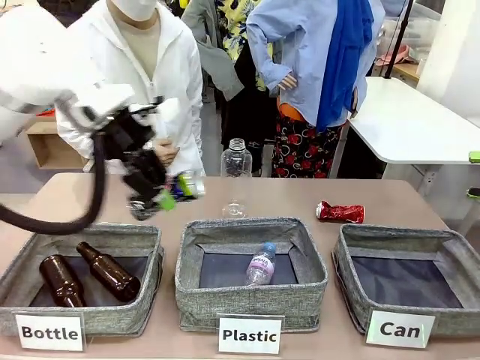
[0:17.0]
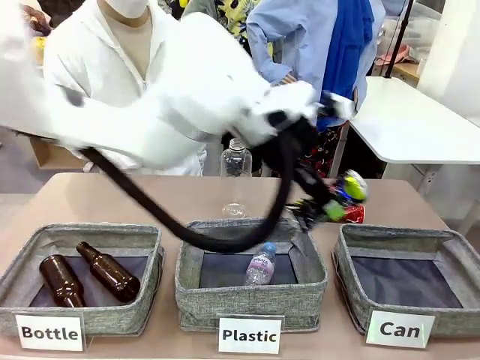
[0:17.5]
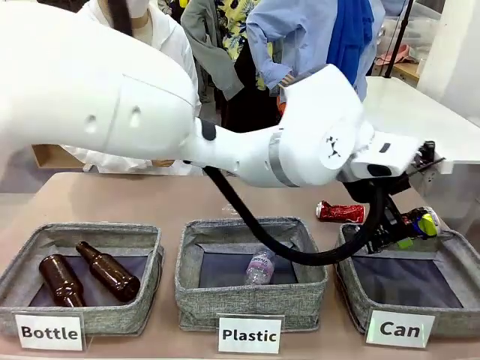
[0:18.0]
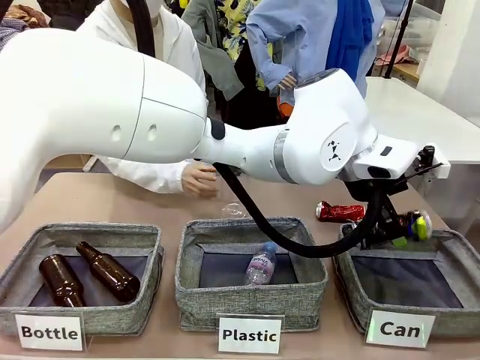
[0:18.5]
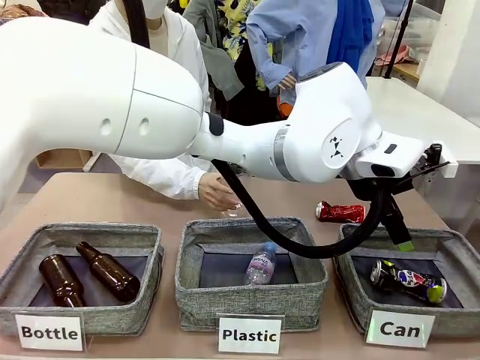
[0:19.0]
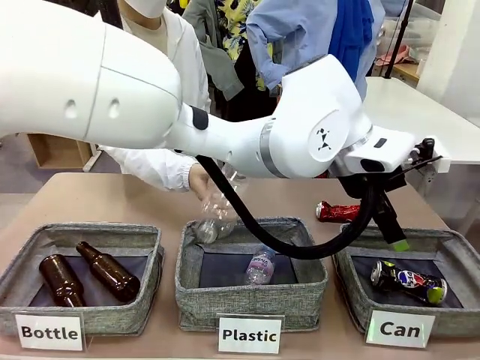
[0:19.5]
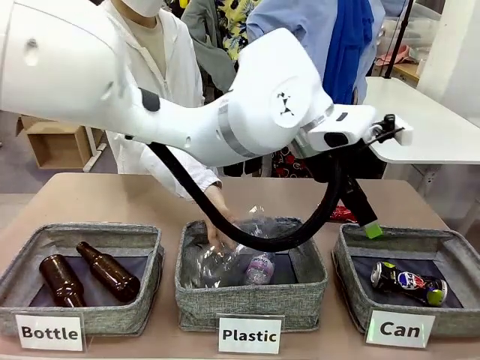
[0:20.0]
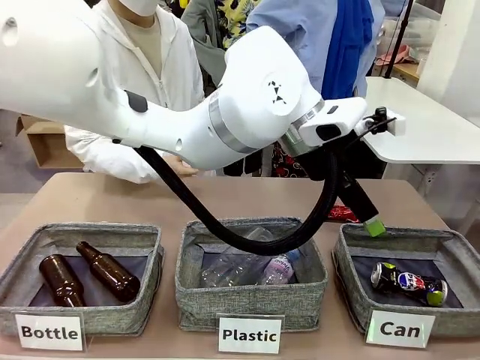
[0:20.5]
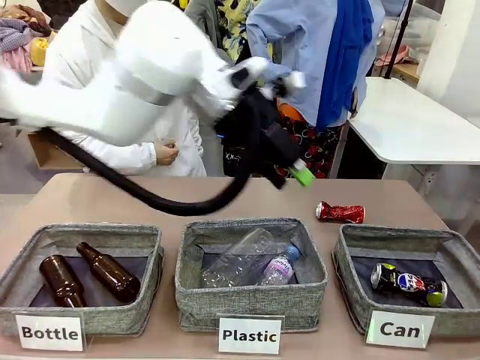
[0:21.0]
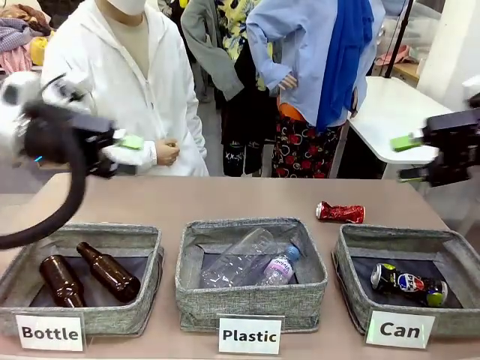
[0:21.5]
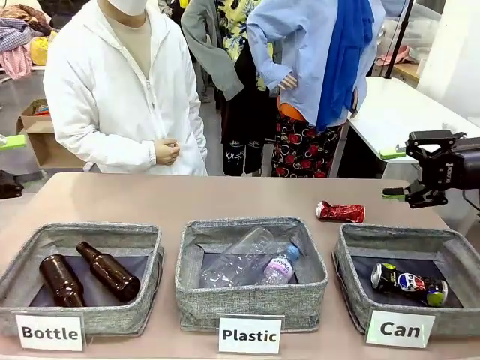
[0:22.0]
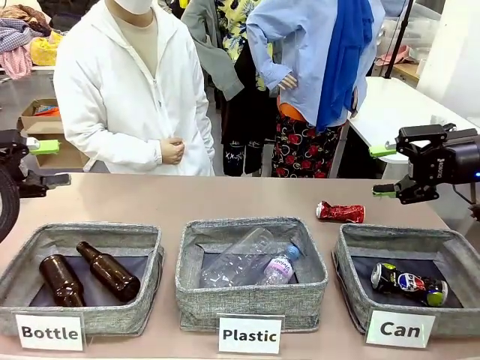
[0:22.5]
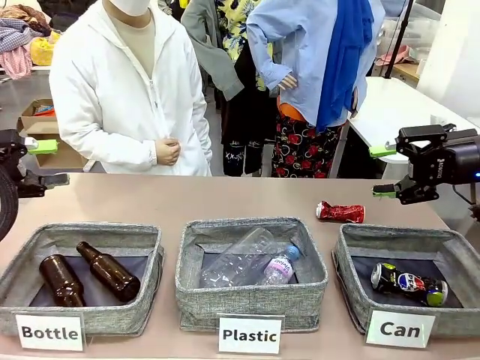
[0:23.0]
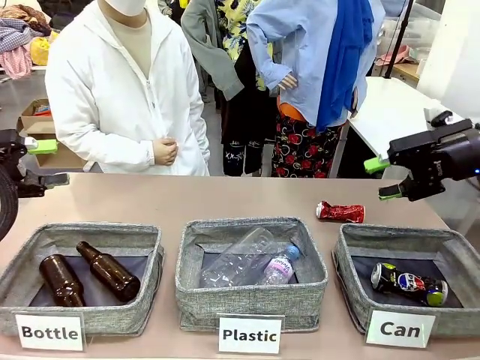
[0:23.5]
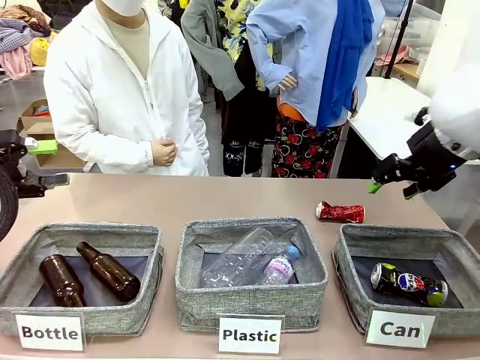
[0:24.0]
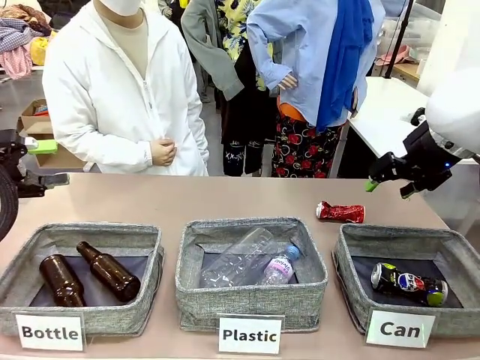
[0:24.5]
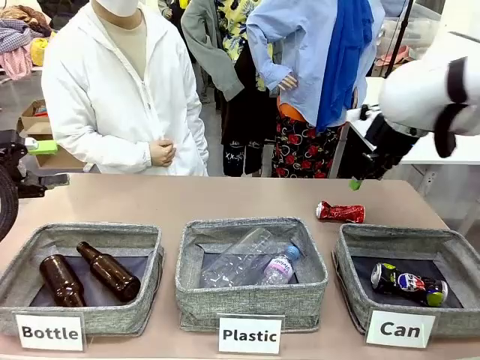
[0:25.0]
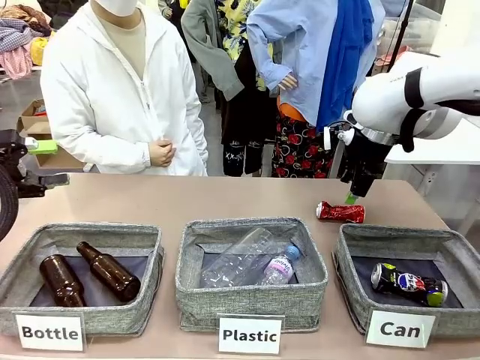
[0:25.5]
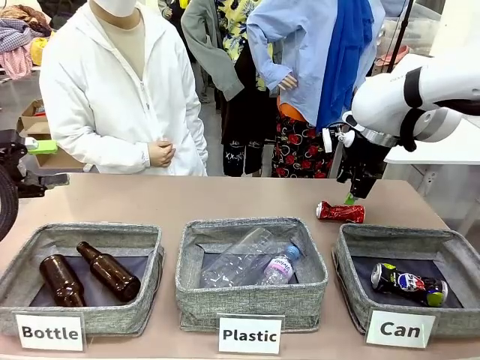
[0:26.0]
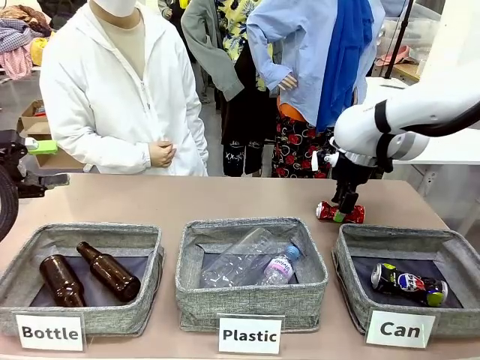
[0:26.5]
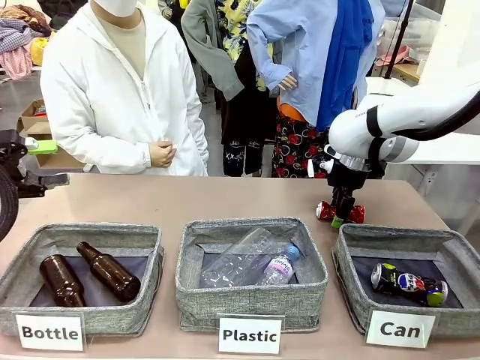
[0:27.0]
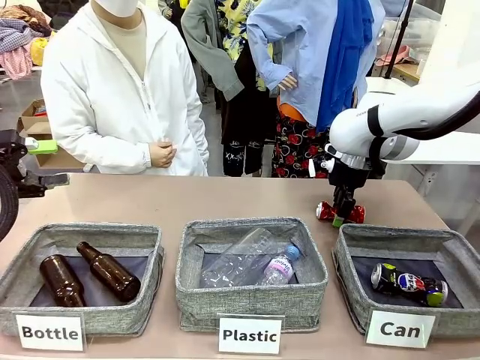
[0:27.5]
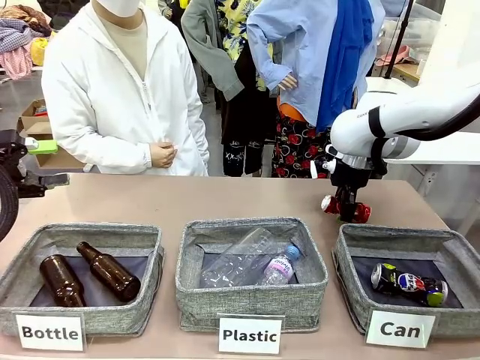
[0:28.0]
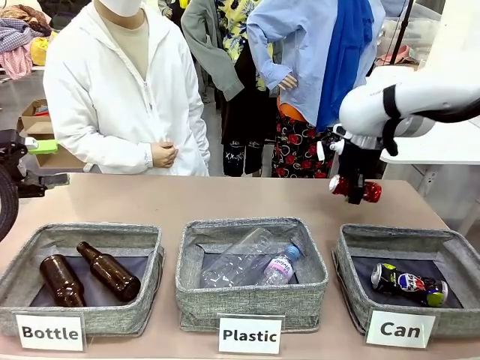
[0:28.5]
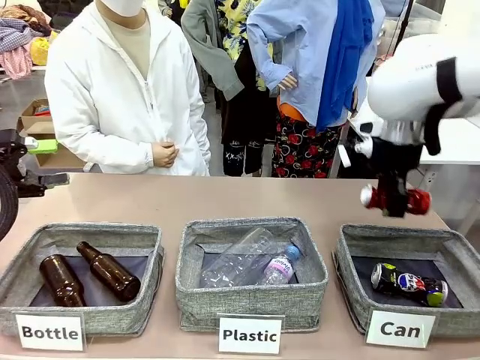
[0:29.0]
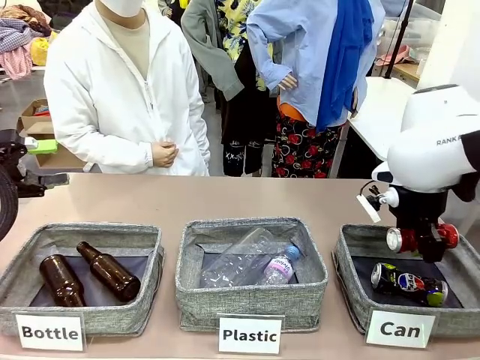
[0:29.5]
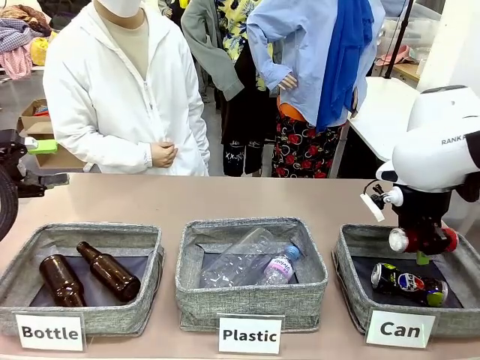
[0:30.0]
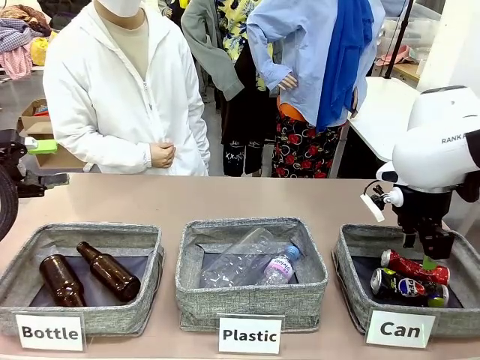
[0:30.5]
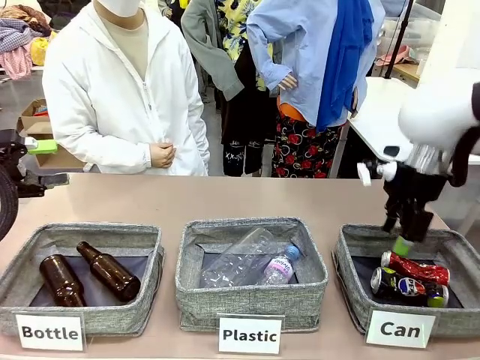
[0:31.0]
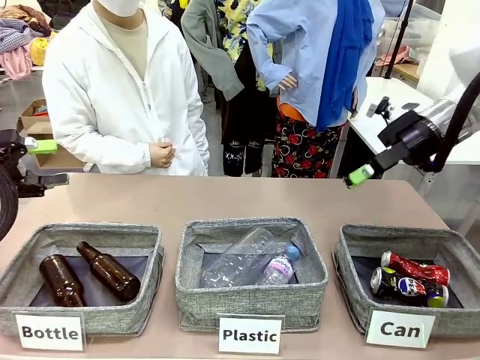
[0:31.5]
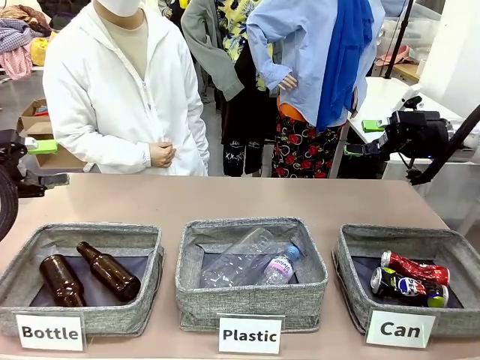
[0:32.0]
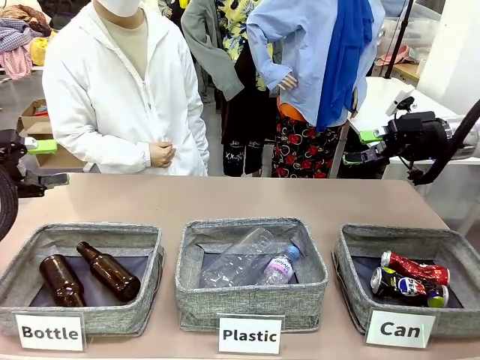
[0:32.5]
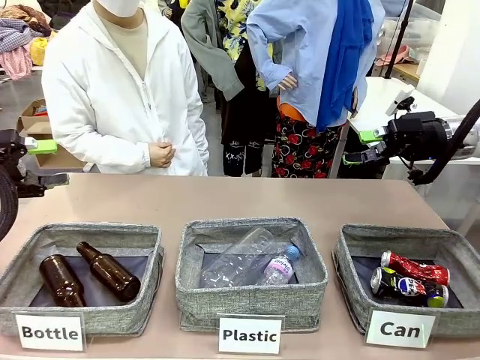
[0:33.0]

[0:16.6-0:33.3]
Task: Sort the can waste into the basket.
Robot: Pick up the can waste from the table and place it in the right Fabric basket.
Person: The human picks up one piece of trash that is not a can and places the trash into the appropriate organizing basket.

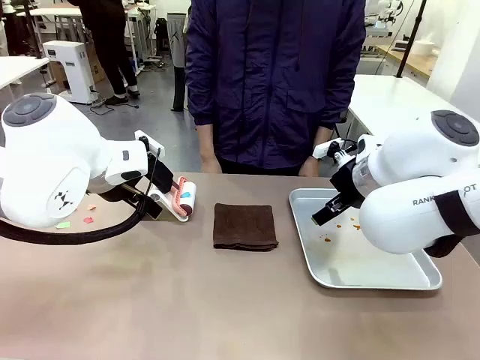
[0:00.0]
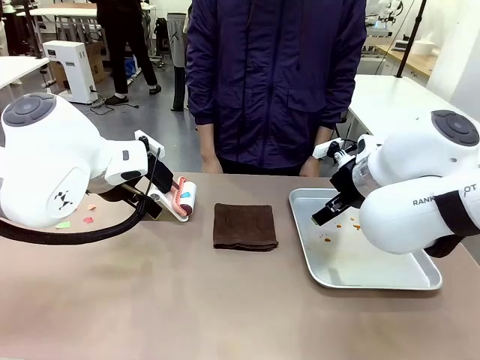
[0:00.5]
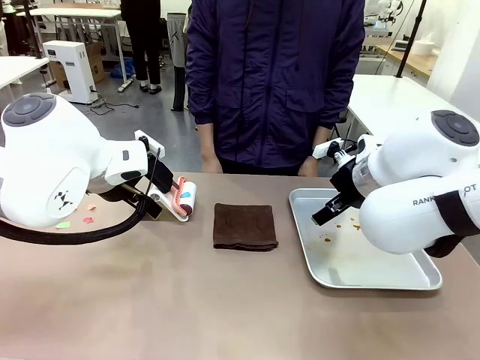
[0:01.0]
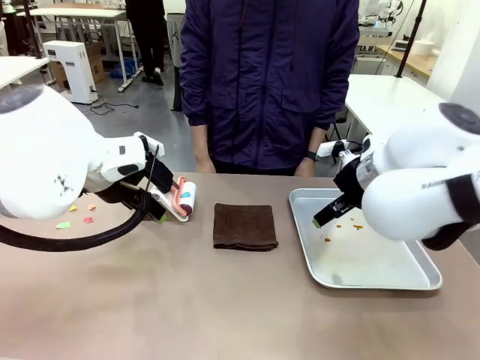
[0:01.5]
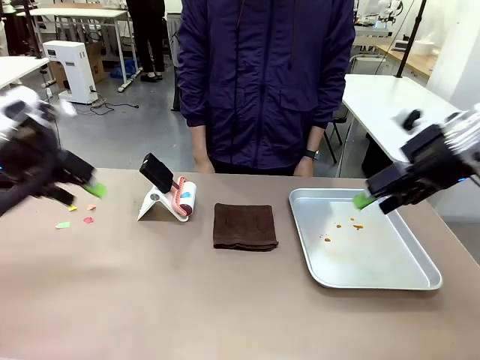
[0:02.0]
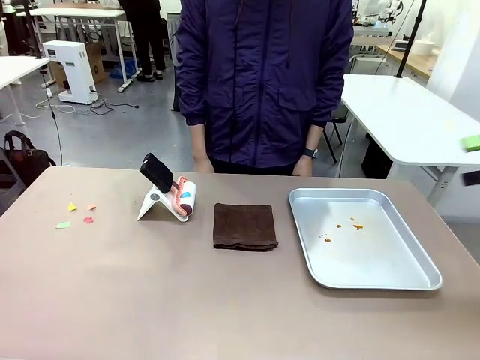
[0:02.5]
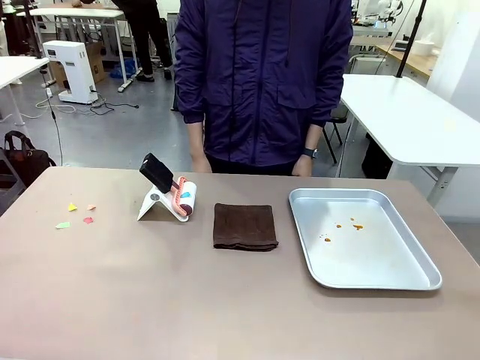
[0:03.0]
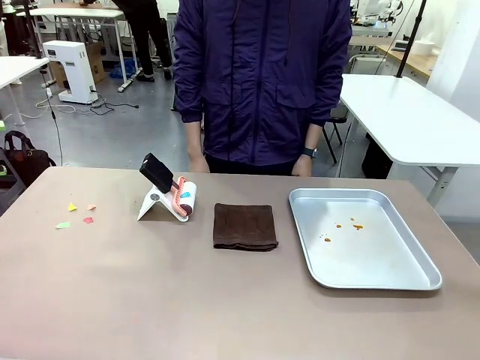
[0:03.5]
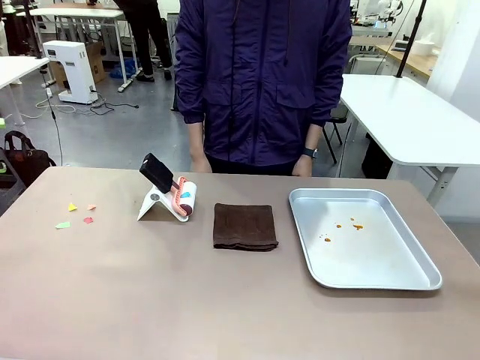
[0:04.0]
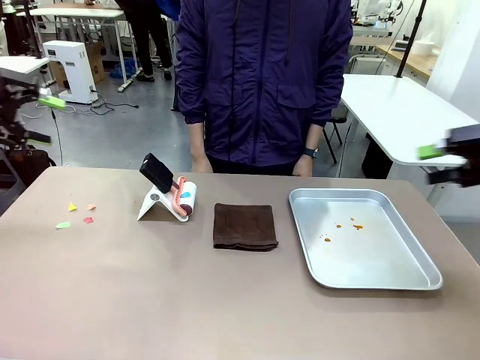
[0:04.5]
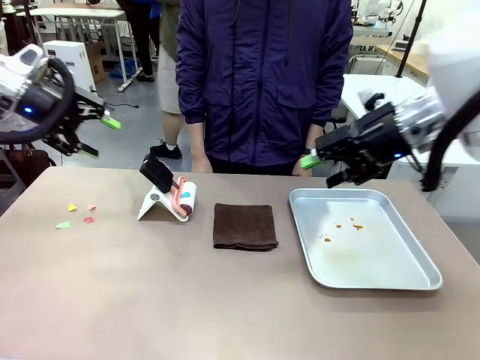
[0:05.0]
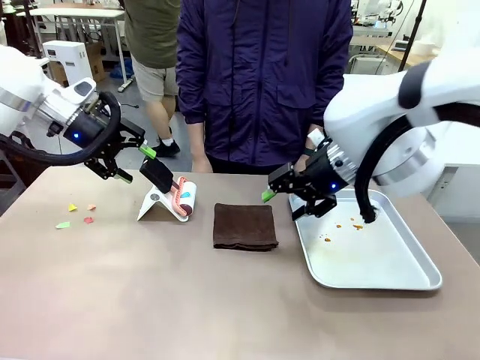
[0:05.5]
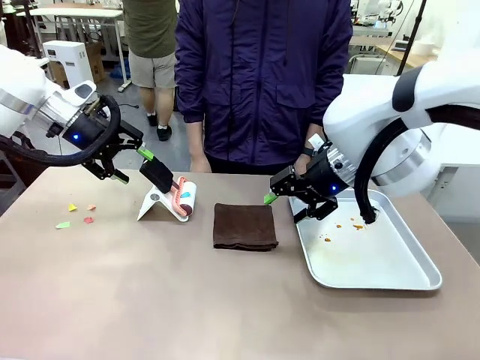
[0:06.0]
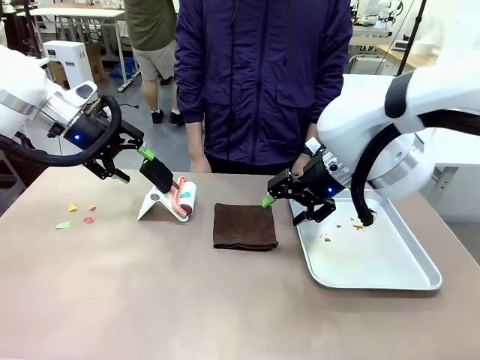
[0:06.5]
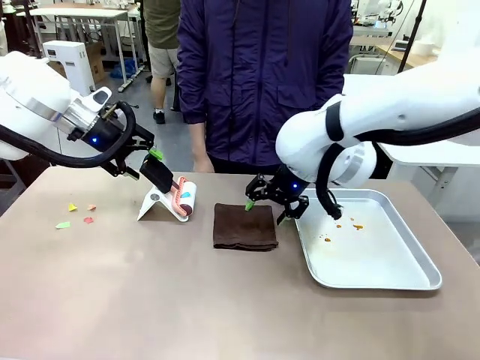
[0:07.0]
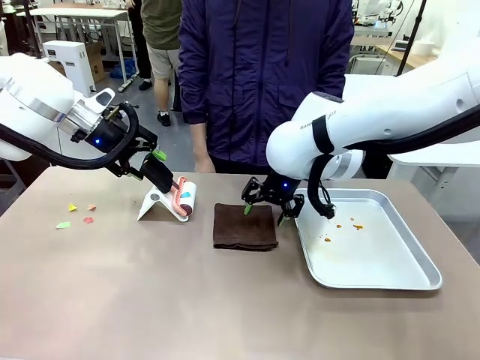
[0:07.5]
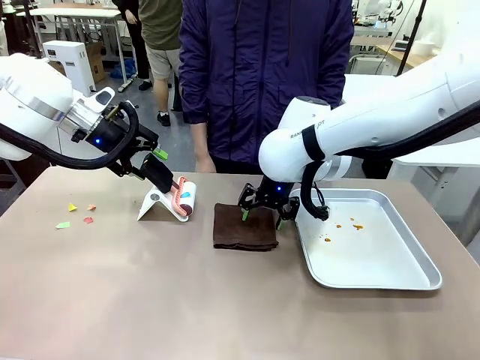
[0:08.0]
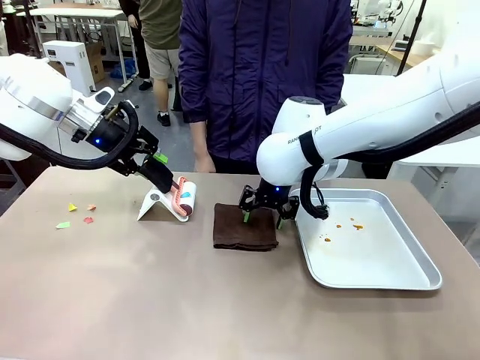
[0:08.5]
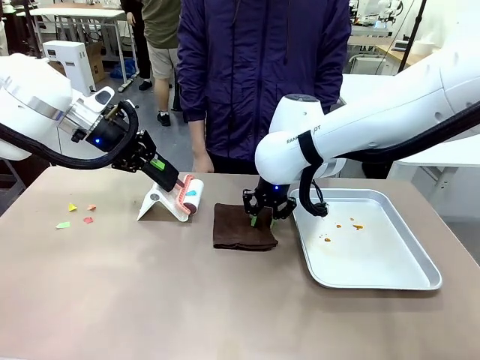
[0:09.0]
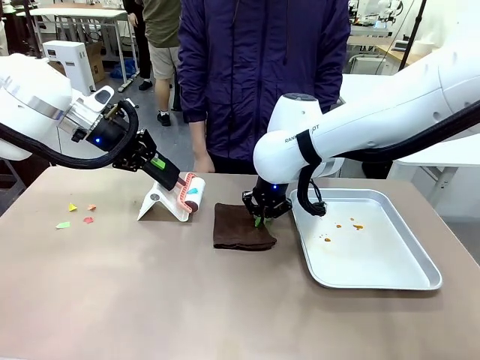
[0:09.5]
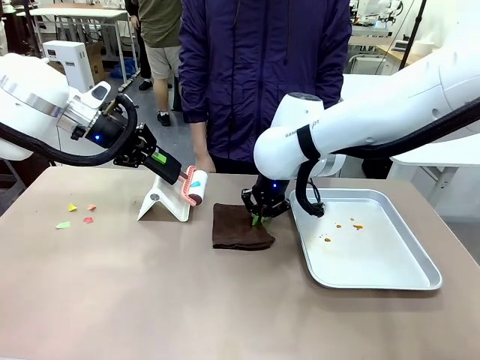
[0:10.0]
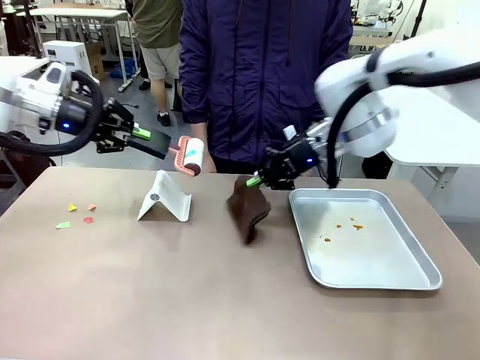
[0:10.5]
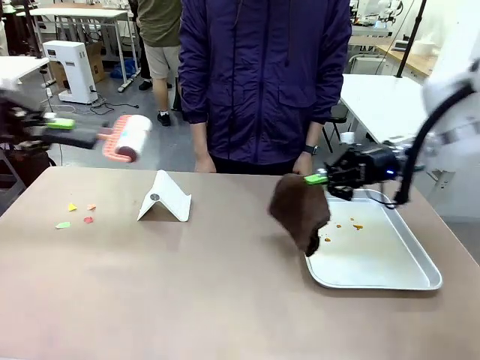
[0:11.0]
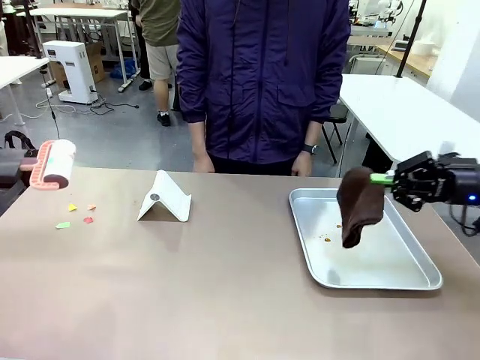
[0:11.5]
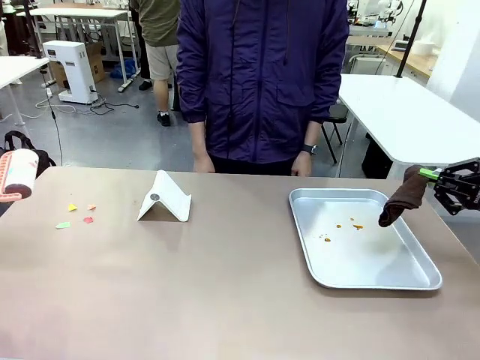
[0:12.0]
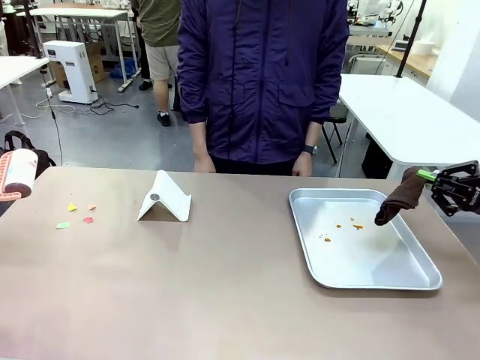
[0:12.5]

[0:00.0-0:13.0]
Task: Clean the surface of the table.
Robot: Hold the Lint Roller with your left hand and the towel with your right hand.
